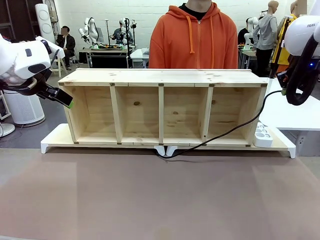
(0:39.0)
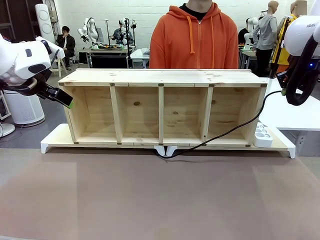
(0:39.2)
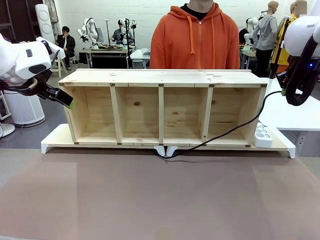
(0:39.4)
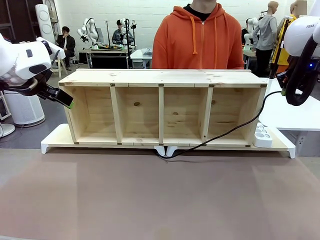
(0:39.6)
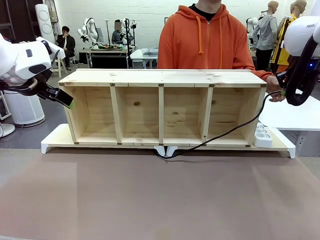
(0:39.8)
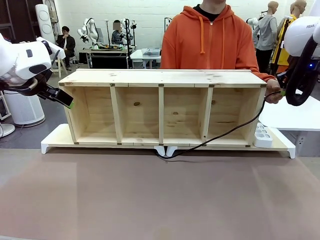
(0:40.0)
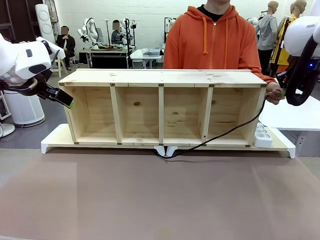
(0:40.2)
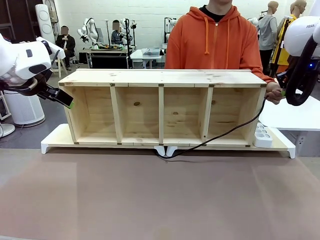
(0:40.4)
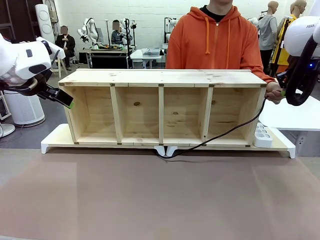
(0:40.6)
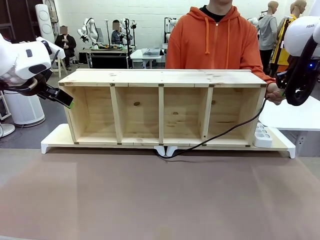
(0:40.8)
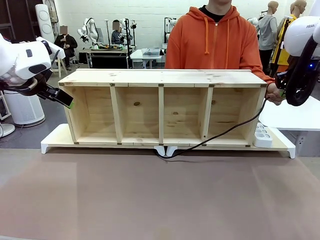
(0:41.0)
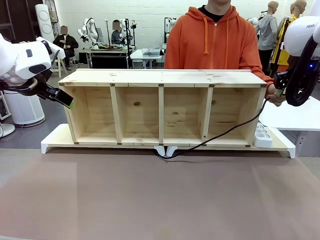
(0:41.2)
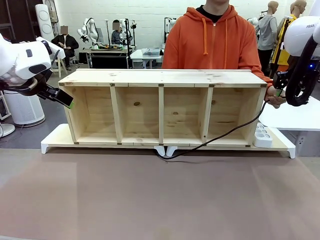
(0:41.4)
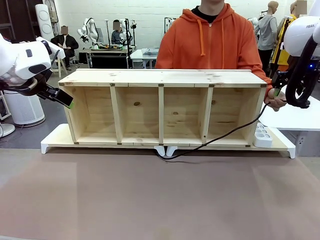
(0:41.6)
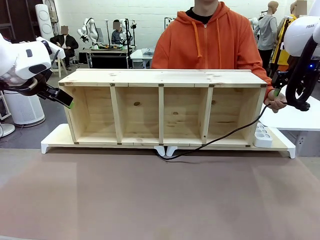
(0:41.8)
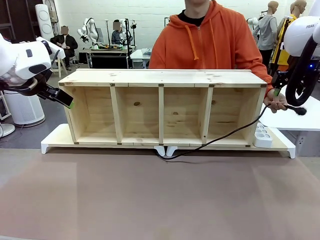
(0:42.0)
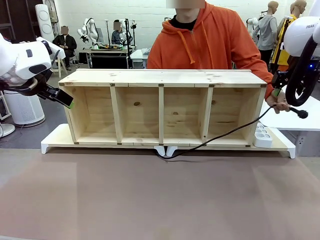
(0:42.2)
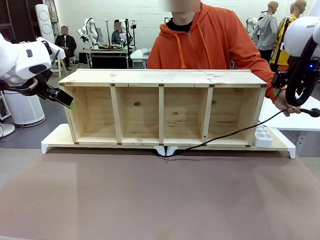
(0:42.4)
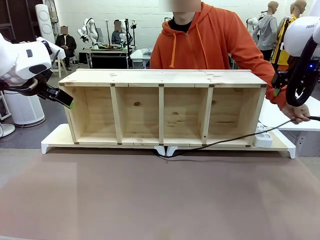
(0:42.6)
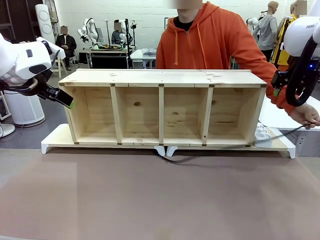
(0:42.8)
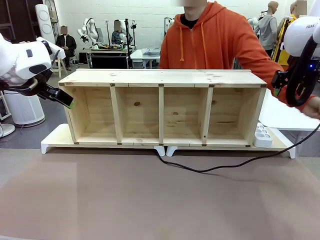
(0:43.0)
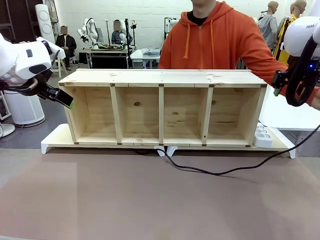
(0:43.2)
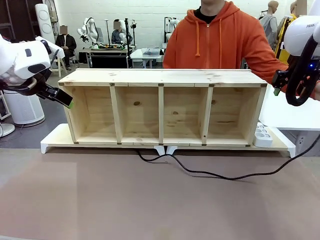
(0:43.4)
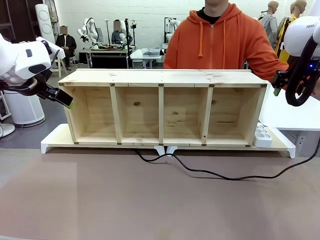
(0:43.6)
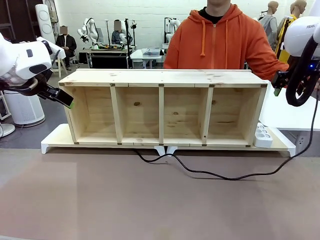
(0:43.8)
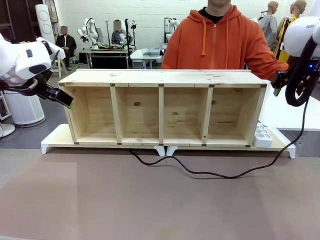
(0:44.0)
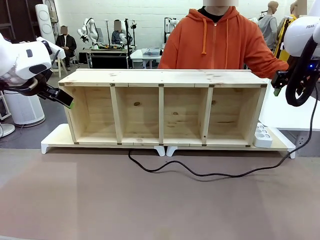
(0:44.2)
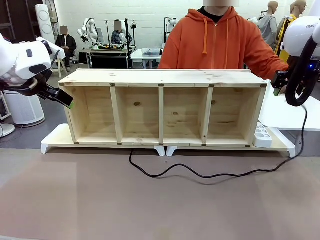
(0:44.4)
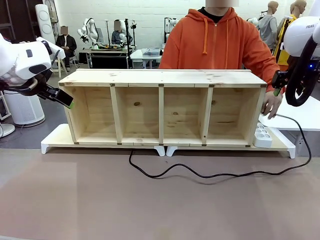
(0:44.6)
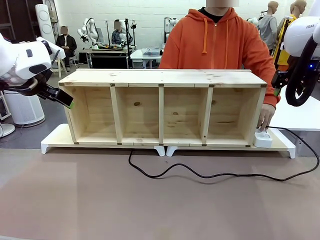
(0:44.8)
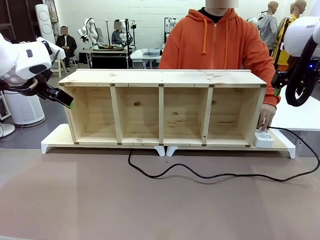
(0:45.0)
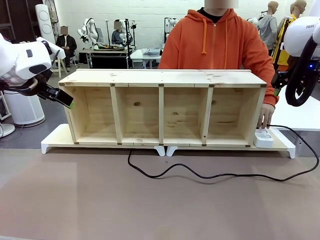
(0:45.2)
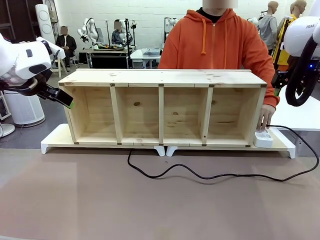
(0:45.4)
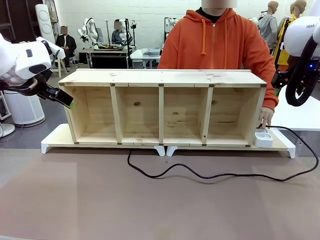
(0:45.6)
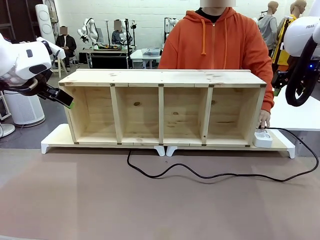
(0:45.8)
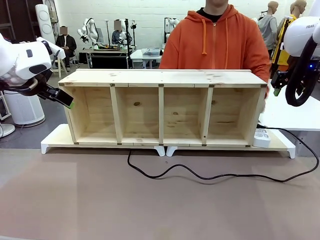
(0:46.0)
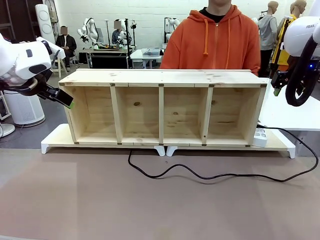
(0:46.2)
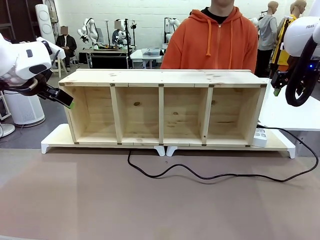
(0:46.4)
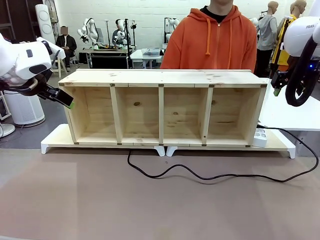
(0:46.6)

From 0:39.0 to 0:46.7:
Task: Perform cable management.
Robot: Release the Power Cable when the human grasps it.
Person: Plug the Power Cable into the Power Strip.

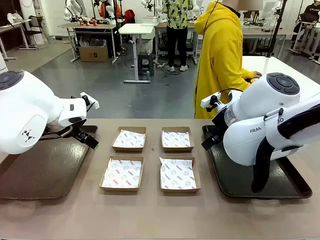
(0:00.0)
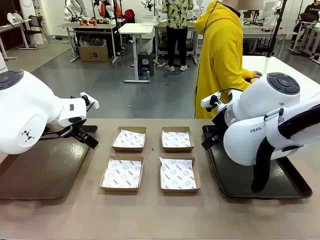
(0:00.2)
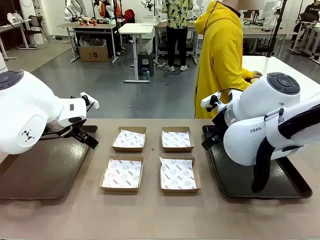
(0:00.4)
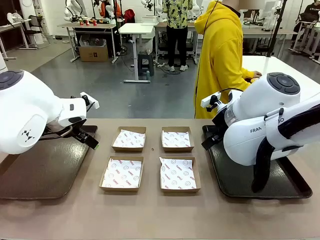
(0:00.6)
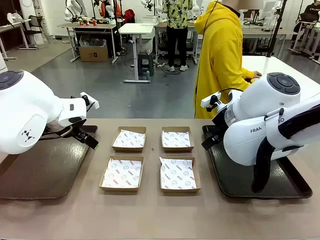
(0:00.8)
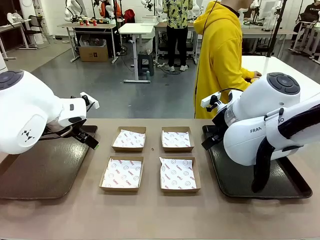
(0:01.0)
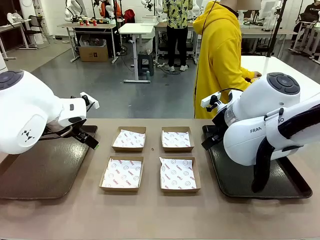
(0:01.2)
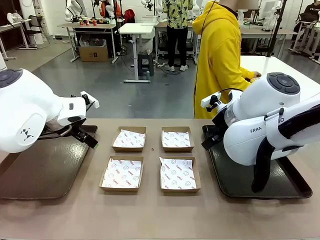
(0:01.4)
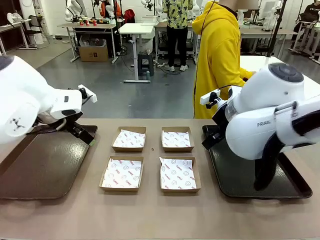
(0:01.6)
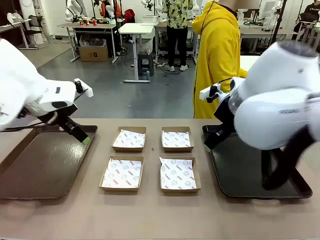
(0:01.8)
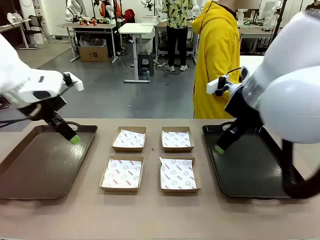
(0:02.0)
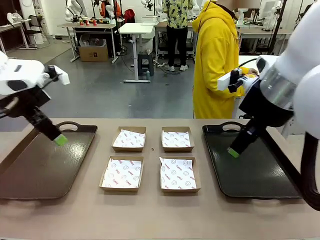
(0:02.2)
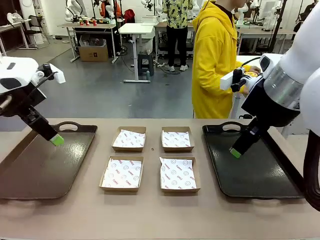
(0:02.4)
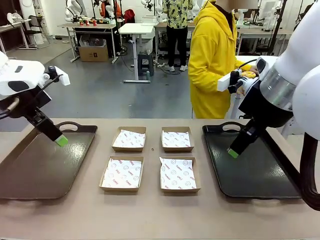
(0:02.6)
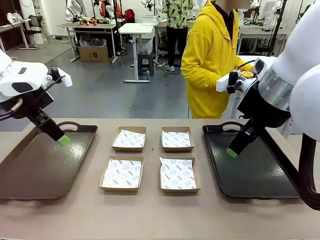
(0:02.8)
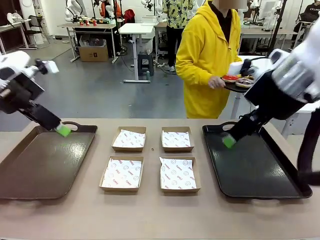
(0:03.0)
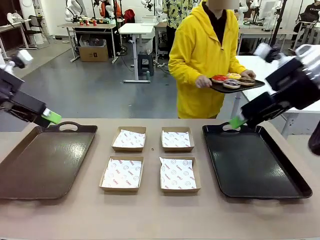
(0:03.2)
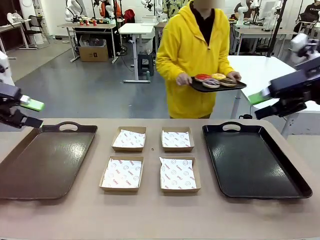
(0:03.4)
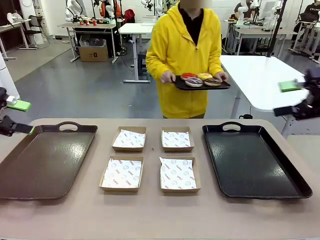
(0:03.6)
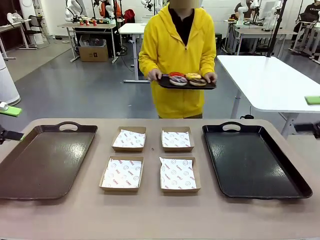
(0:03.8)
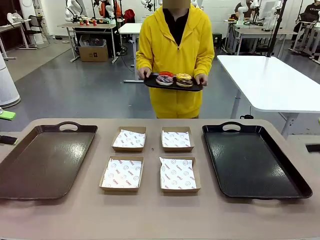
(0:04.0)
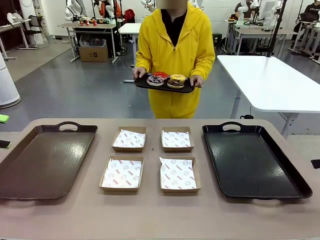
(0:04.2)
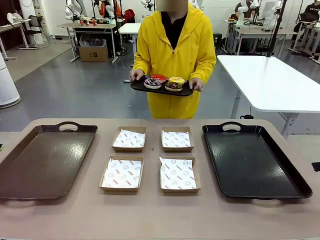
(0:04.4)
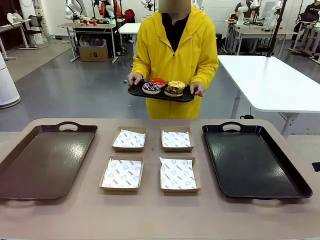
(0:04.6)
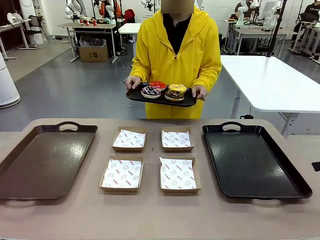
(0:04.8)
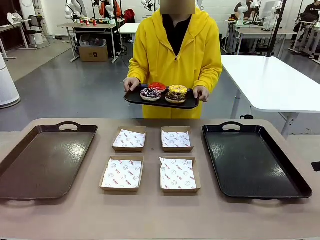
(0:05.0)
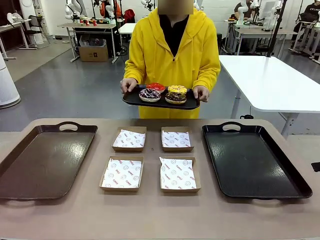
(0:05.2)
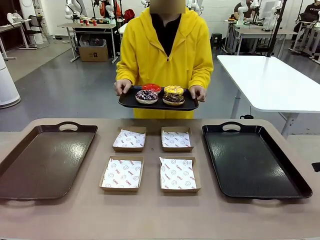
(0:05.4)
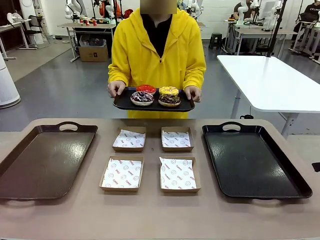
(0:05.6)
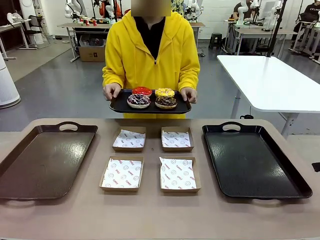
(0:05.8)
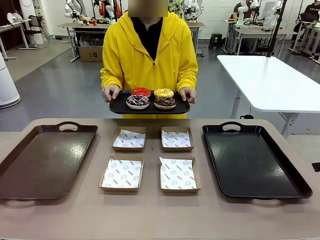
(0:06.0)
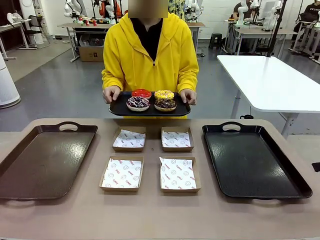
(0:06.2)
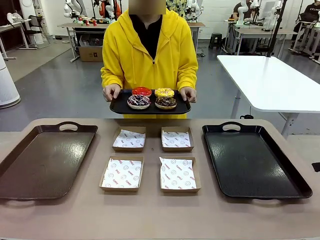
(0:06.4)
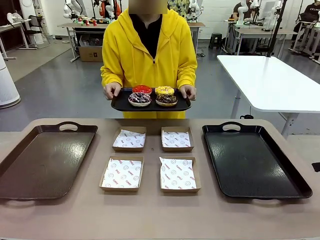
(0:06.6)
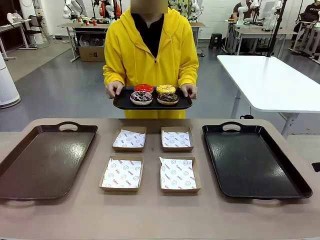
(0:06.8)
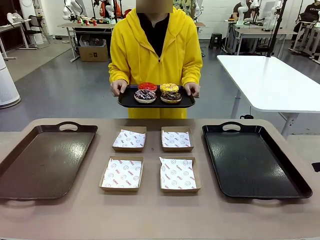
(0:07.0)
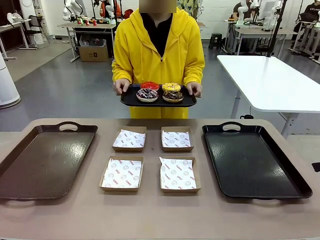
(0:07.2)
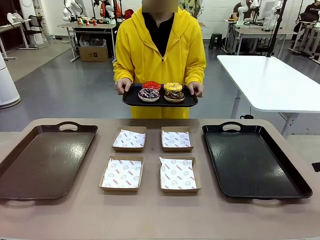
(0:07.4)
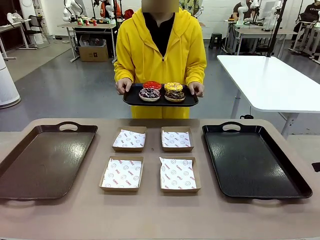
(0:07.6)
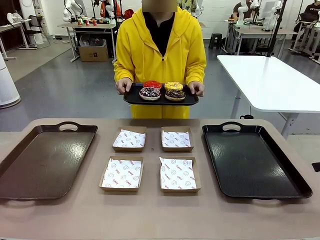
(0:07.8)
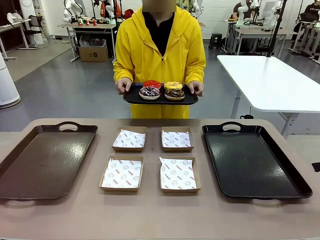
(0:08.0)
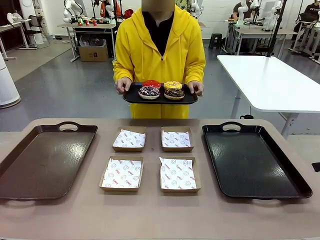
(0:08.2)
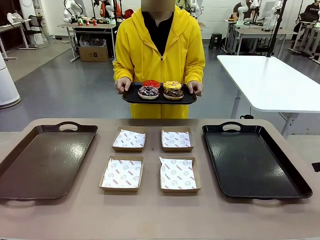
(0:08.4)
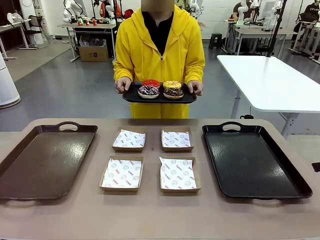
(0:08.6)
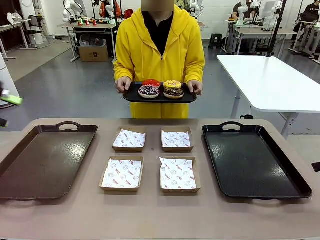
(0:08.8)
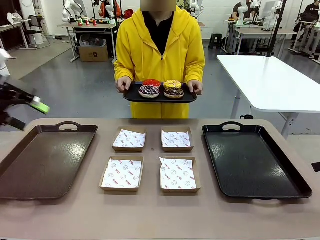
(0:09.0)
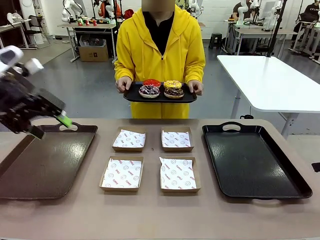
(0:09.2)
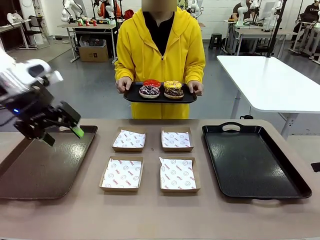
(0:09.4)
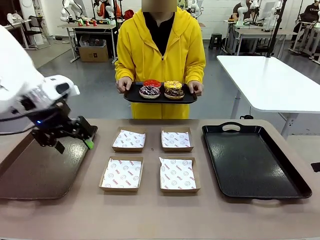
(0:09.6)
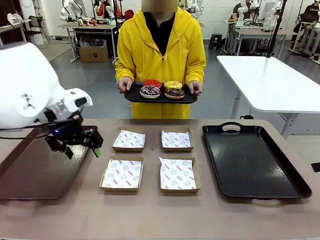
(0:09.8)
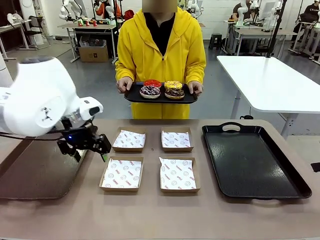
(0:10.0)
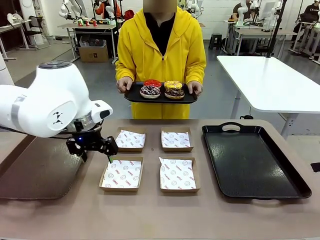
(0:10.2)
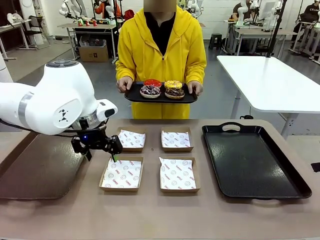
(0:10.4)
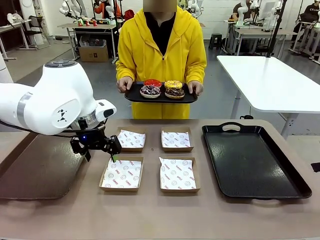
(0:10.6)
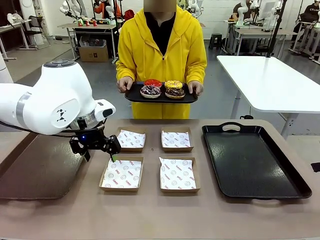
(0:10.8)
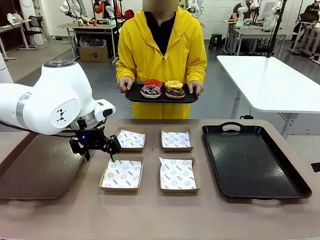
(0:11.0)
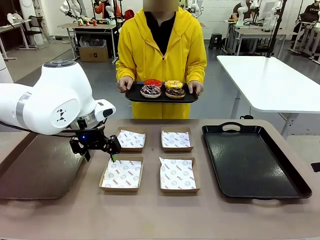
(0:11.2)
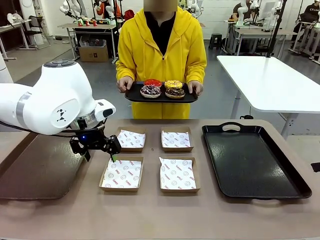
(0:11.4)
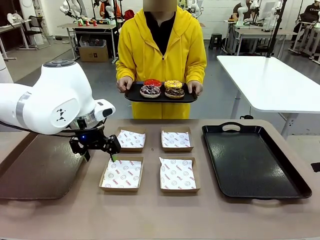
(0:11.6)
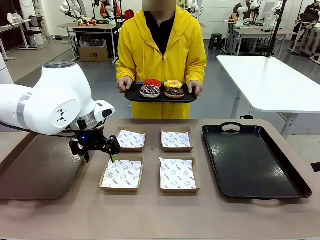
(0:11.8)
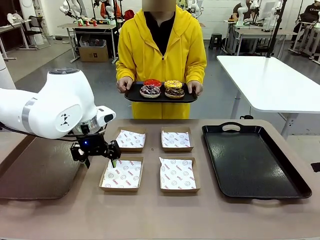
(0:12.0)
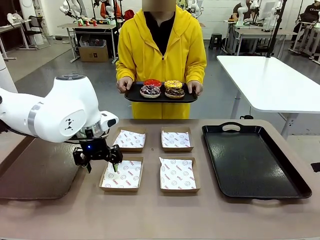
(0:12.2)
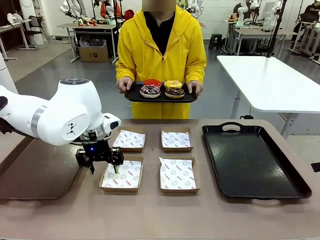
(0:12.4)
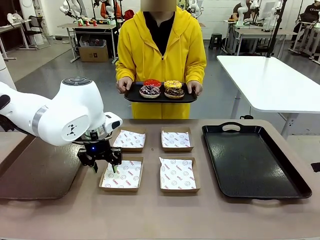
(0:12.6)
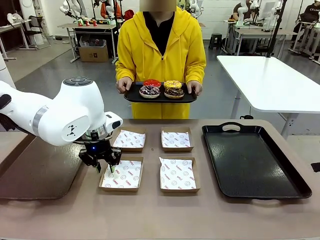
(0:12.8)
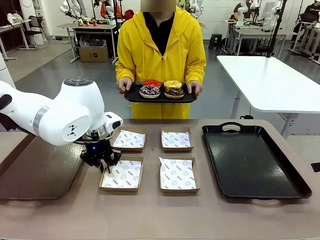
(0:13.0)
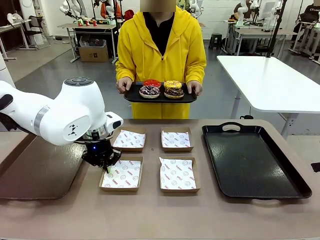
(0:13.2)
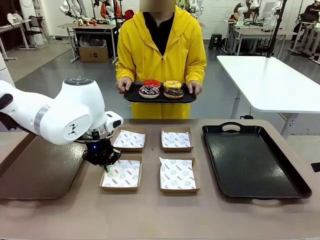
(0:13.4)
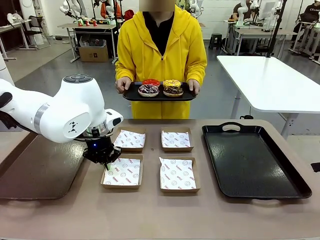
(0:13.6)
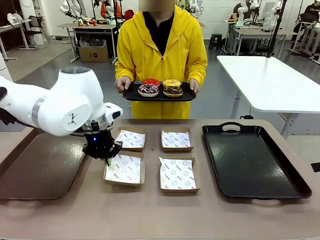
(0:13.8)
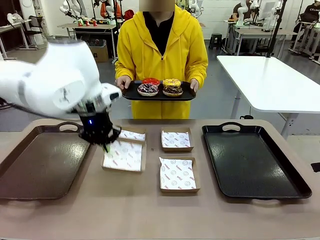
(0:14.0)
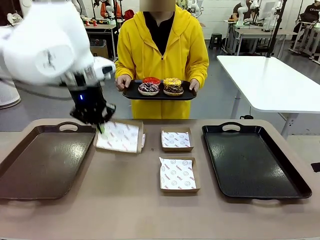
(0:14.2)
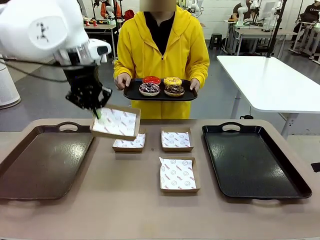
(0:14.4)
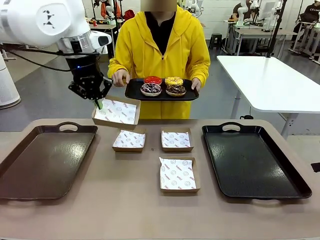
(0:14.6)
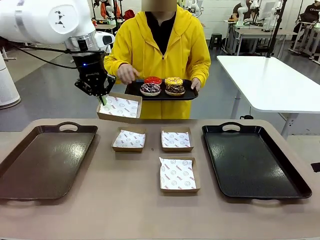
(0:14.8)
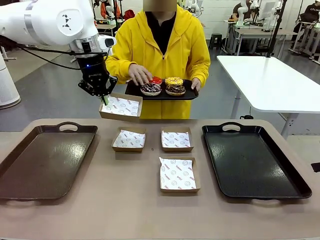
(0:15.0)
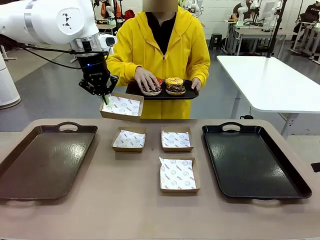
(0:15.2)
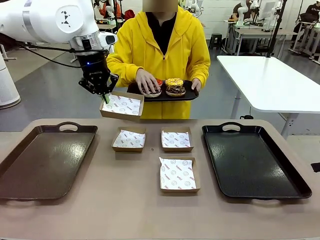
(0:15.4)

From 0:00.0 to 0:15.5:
Task: Individually package the donuts and arrange them on the tray.
Robot: Pick up one Paper togo box.
Person: Stand in front of the robot table holding the tray containing the donuts.
